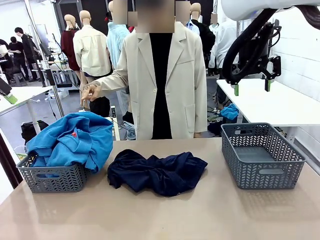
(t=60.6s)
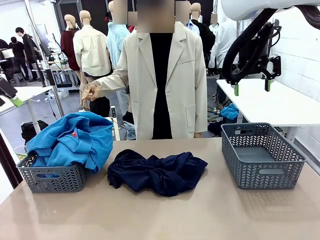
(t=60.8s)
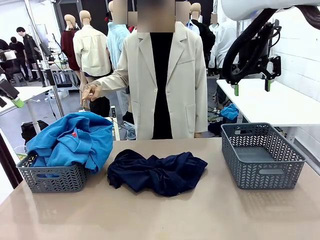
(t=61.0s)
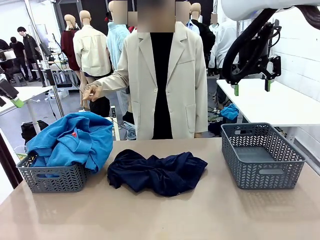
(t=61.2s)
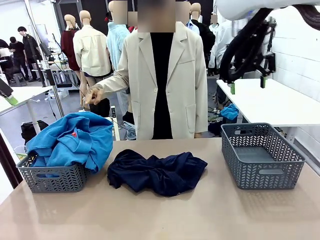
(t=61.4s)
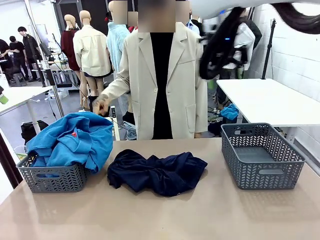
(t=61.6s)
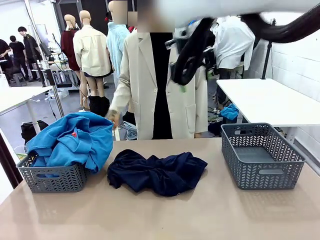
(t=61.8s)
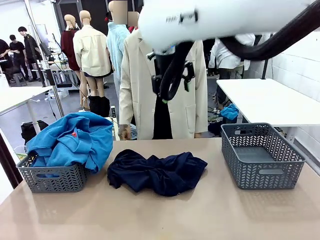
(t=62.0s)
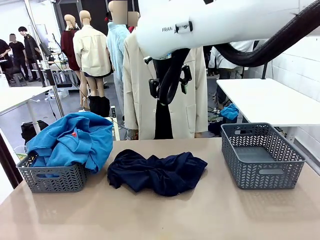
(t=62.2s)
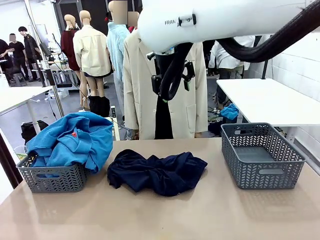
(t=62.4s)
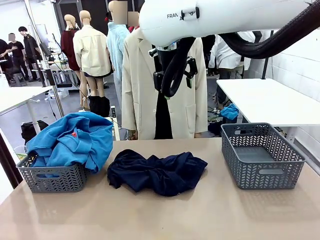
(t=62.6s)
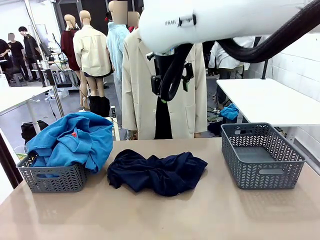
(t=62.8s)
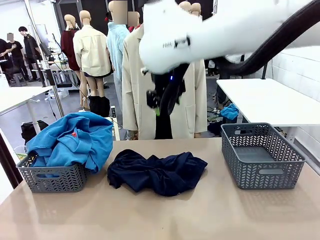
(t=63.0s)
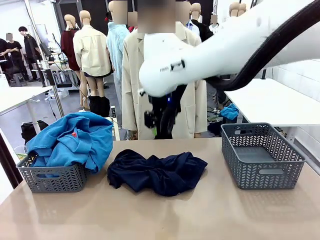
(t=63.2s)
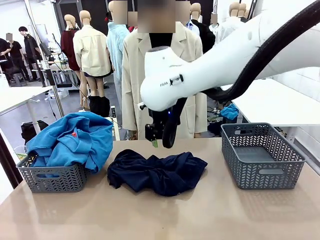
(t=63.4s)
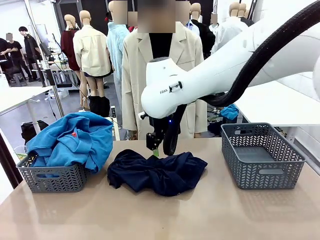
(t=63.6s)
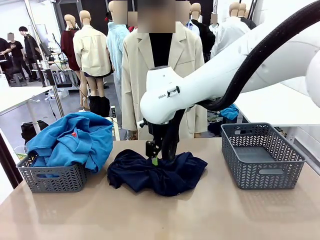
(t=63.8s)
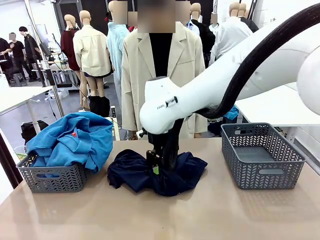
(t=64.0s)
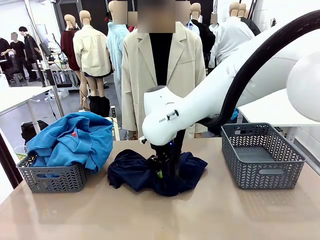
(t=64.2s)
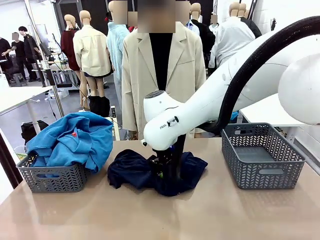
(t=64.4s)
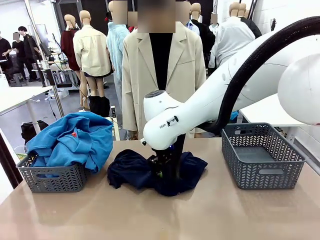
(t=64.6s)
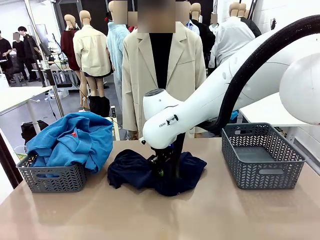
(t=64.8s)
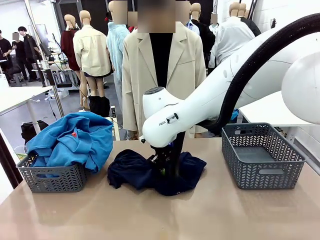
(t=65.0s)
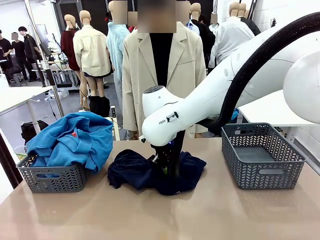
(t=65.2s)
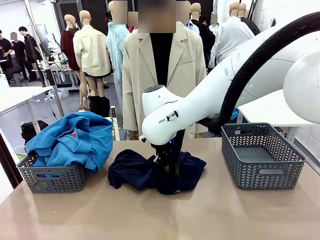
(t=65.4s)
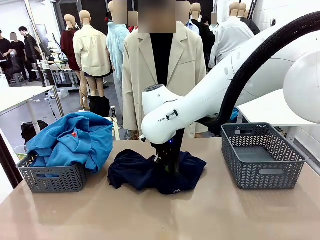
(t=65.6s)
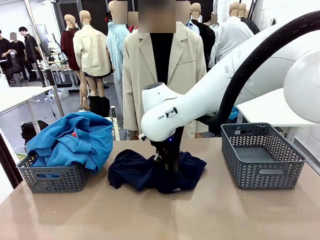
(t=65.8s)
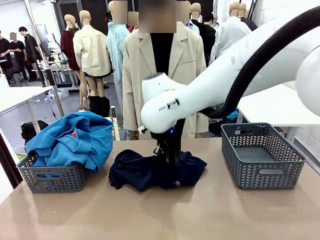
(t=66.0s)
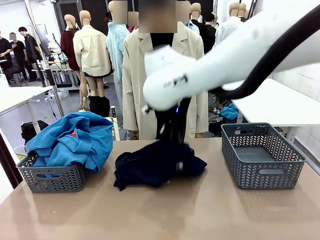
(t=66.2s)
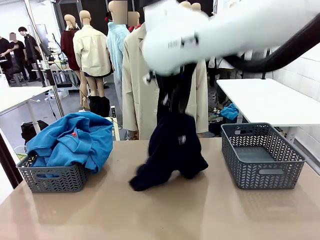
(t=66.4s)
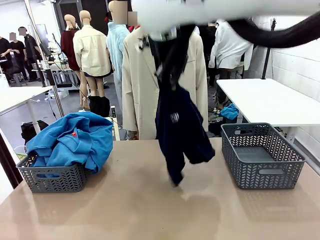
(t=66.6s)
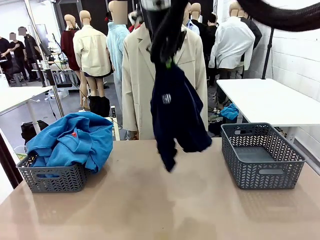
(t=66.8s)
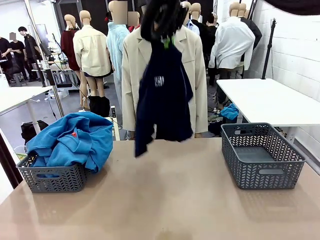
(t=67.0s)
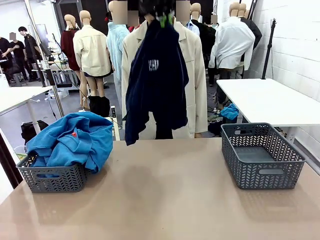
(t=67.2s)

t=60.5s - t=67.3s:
Task: Sort the tops and bottoms.
Robot: Lift clothes from the center of the table with your right hand.

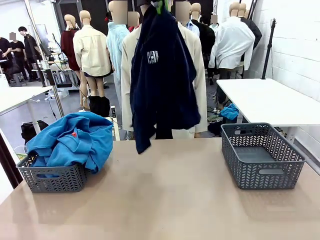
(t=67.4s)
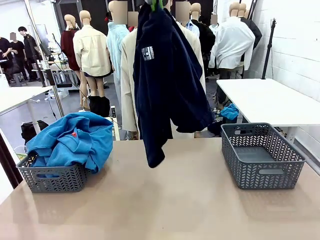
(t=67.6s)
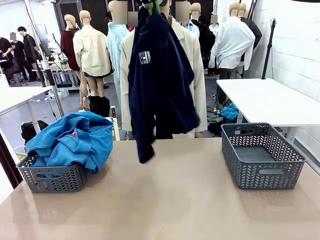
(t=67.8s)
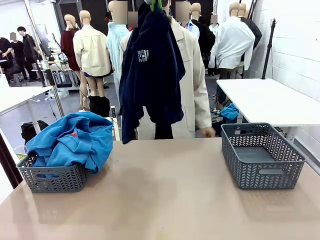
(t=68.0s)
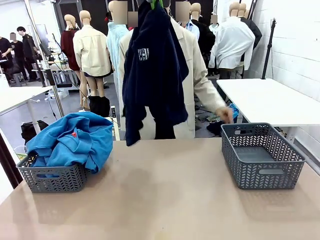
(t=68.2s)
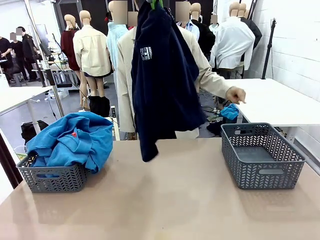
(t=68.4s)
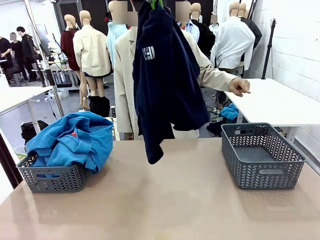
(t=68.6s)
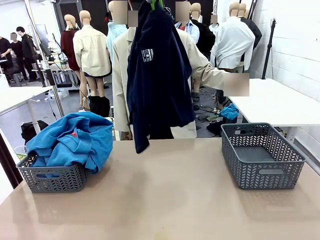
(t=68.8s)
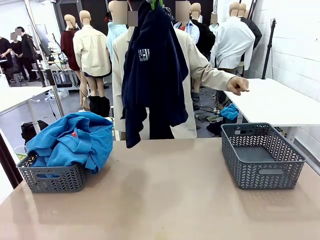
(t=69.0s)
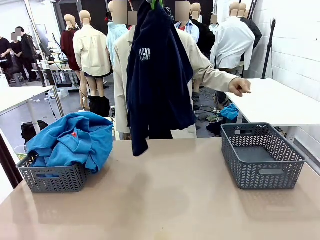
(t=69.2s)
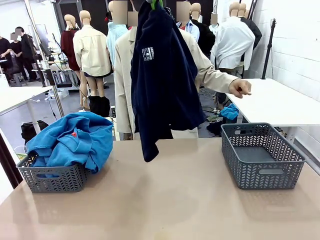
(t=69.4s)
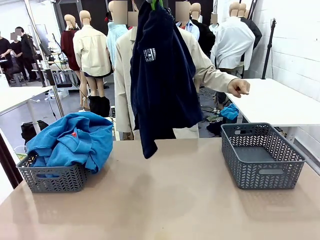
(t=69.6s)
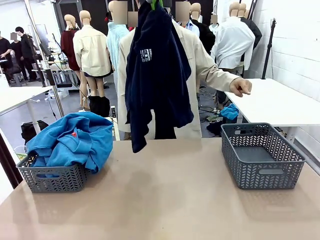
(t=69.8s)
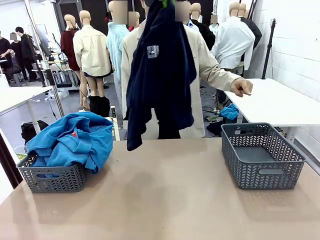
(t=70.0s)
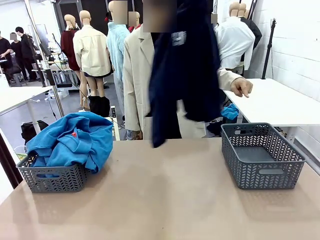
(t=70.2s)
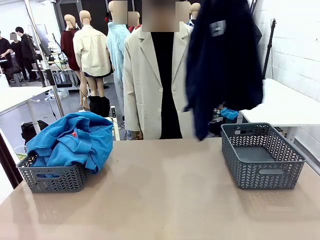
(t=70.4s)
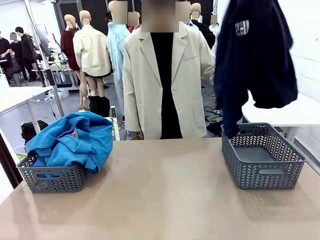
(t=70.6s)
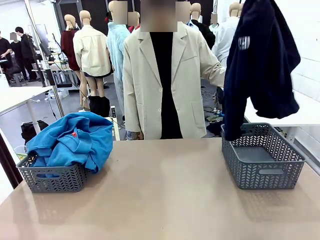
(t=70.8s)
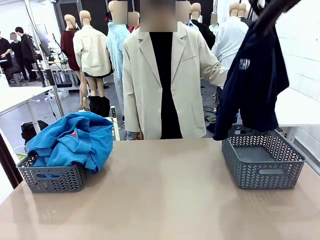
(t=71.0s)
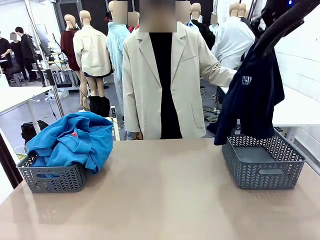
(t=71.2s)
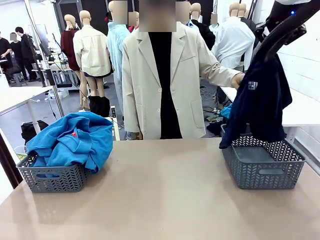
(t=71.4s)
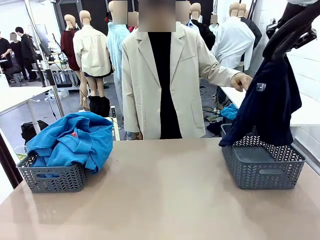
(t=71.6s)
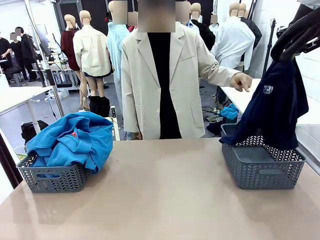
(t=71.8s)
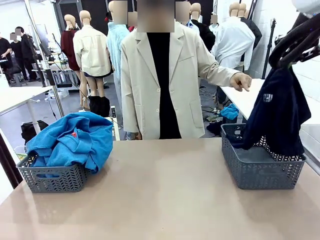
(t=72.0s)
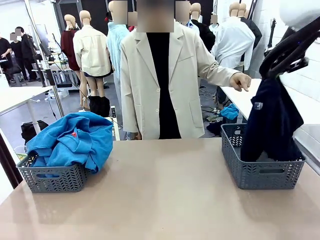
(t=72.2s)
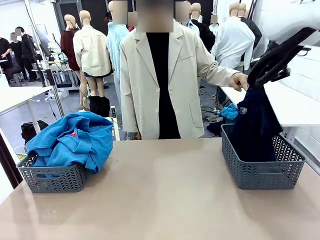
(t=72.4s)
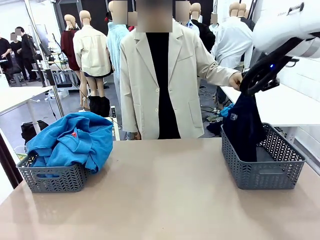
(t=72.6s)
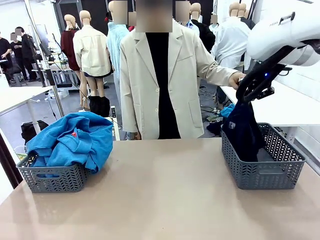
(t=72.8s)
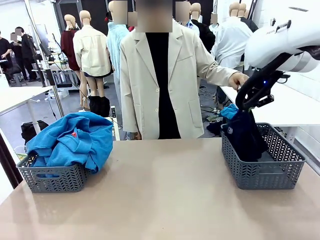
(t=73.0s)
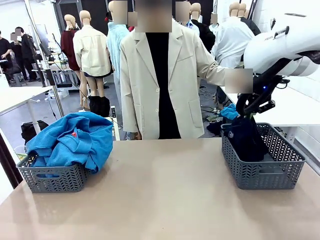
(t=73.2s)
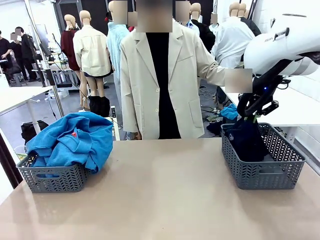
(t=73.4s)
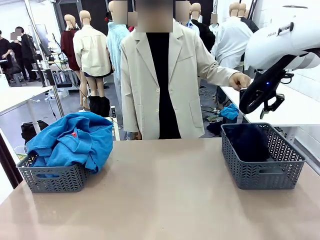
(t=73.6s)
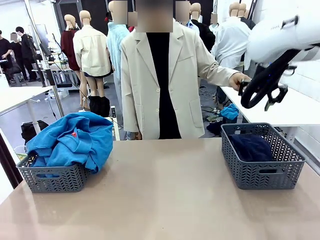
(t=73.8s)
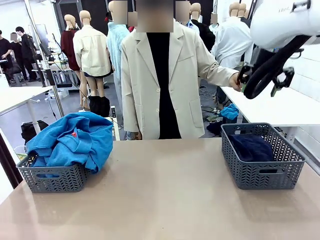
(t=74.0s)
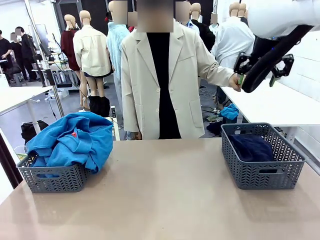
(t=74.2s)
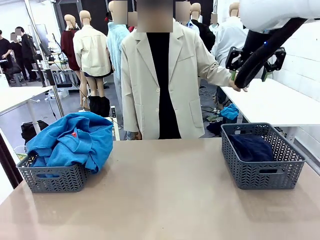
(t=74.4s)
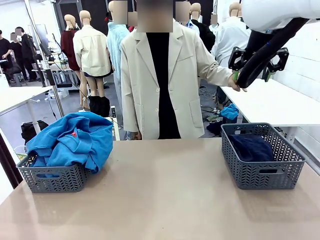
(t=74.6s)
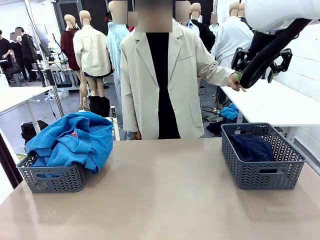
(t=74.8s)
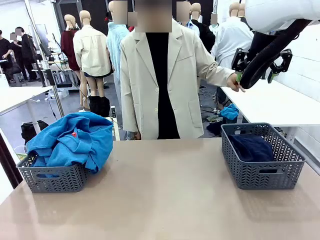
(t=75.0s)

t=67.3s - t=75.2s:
Robot: Sort the clothes according to human instructions.
